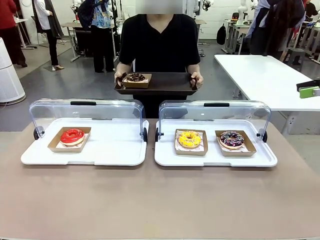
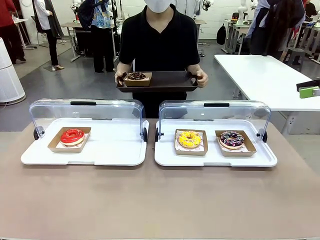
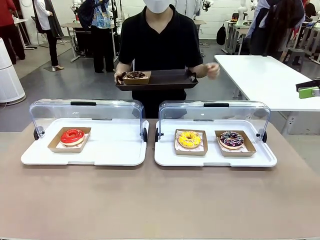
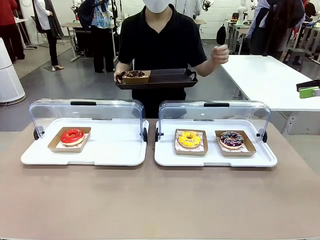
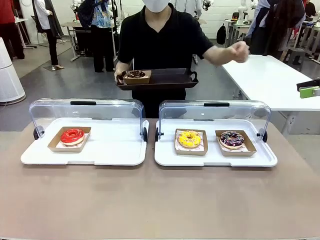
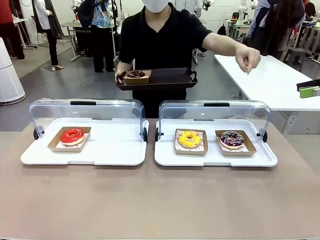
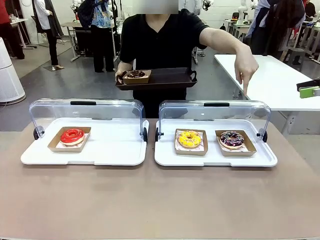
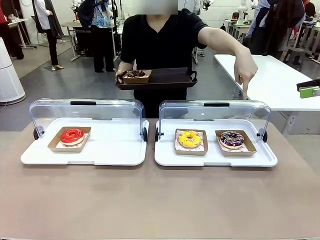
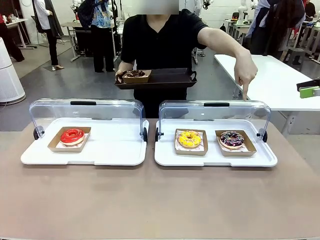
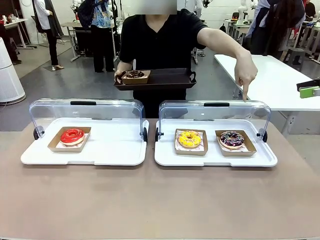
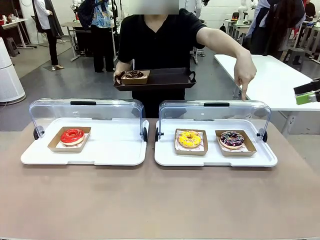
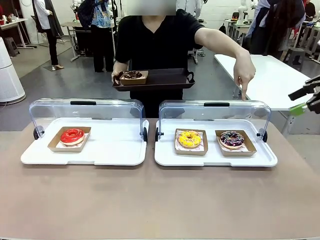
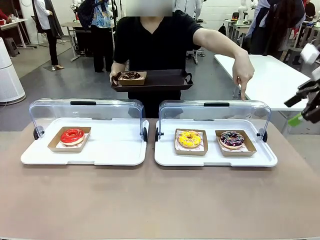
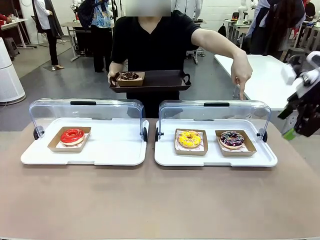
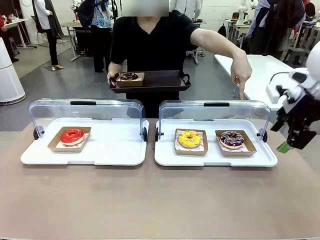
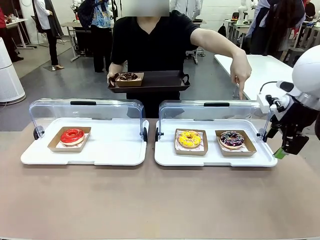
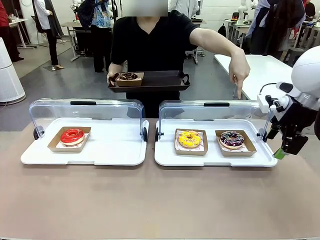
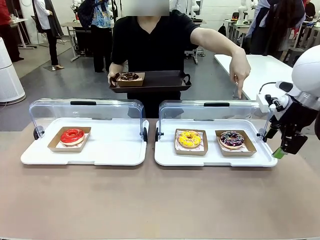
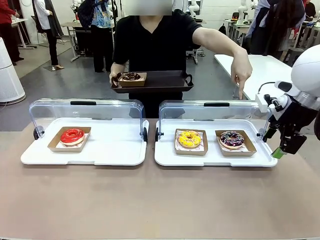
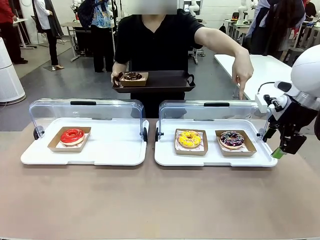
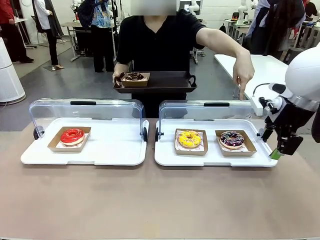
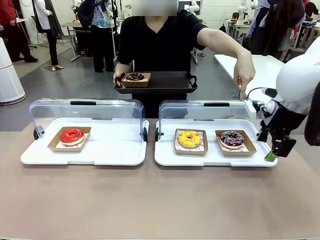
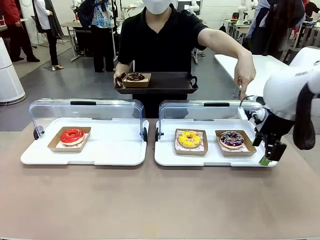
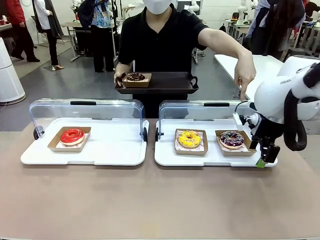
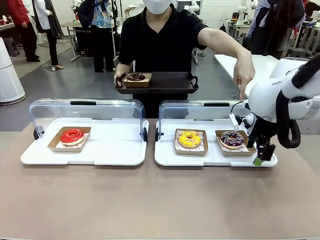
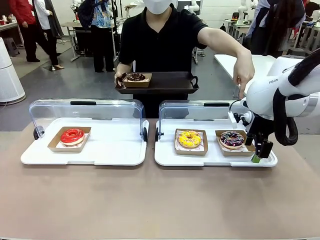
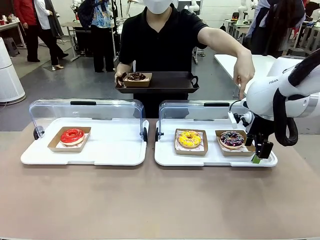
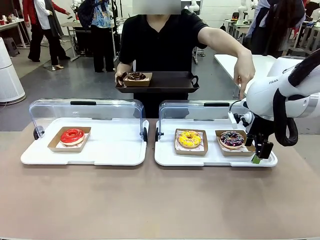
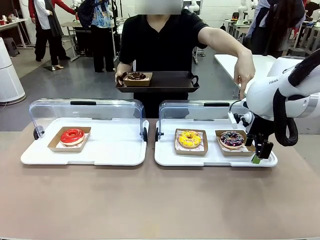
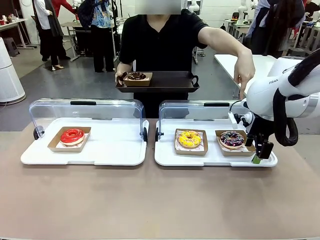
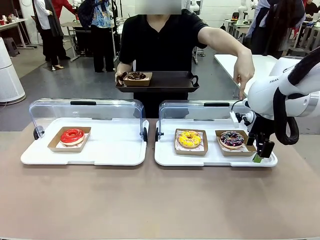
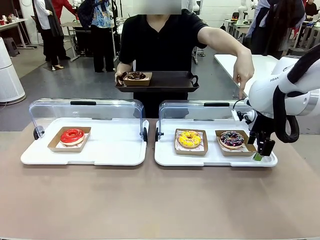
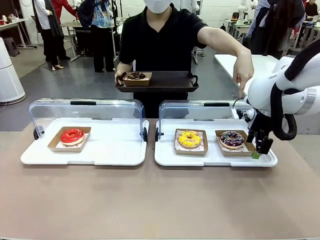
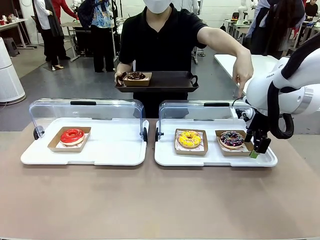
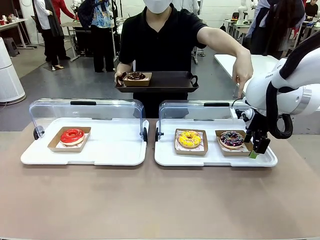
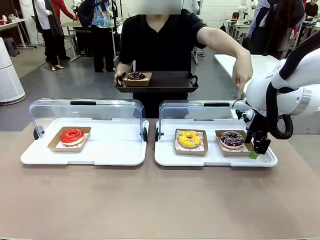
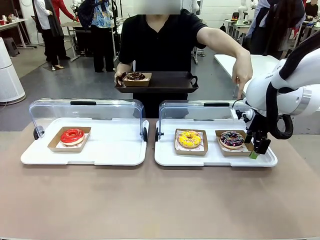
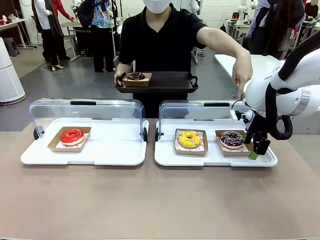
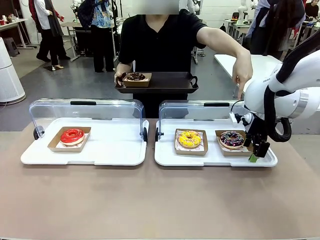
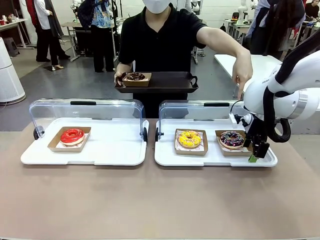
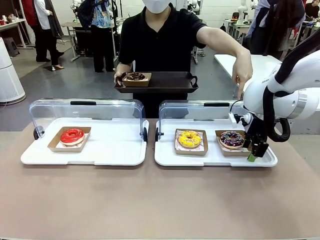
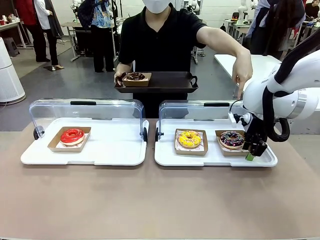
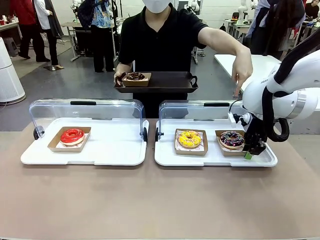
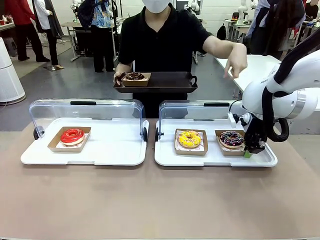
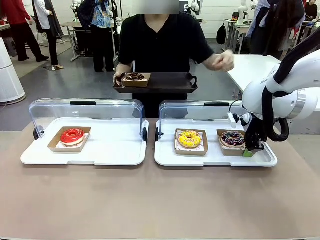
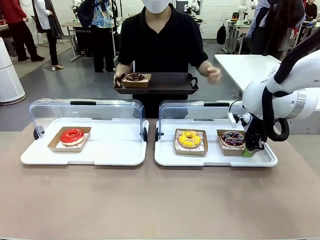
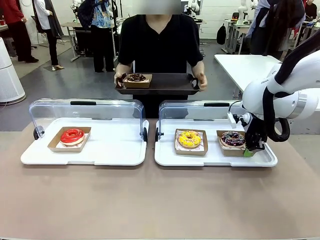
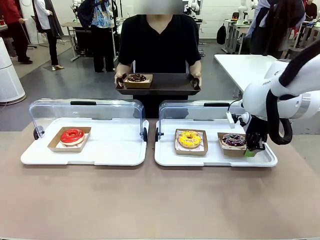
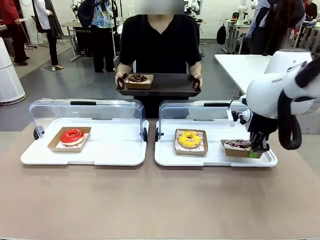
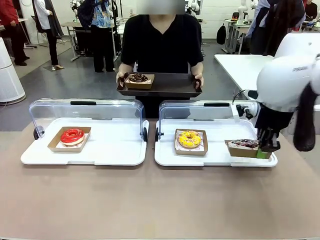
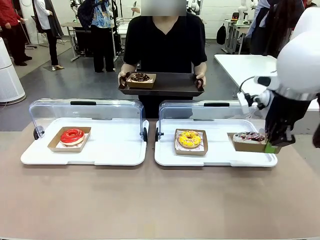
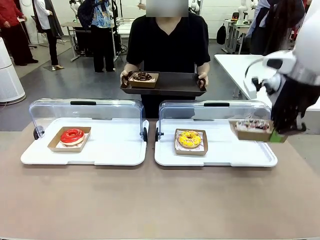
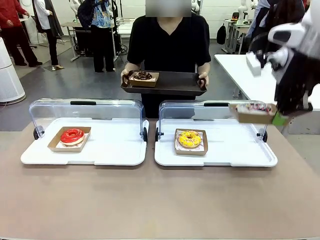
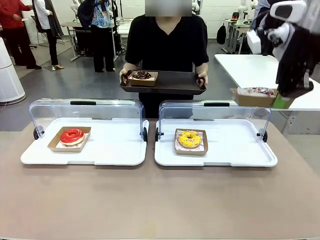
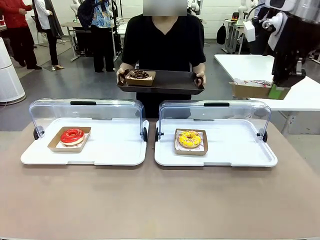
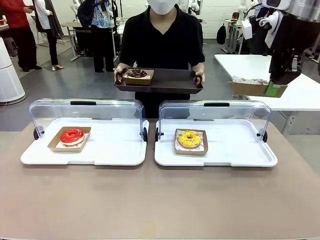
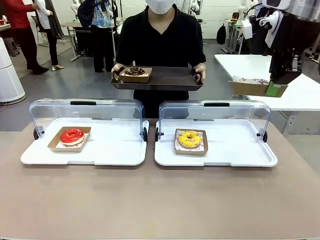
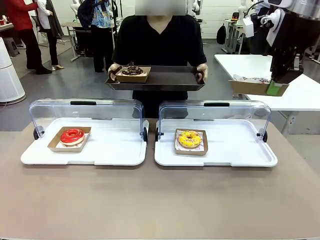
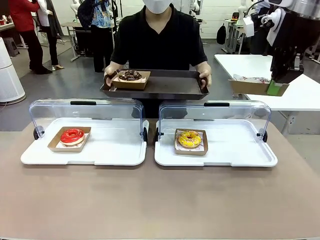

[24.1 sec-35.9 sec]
Task: Provide the desired donut to the person.
Robot: Pick up and lift the Paper togo box containing the Donut pointed at by the person.
Person: Lift the tray onto the Roll-Top Bakery Case.

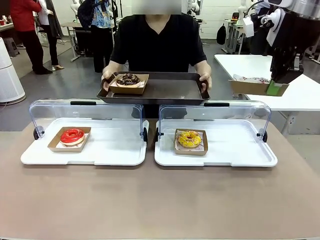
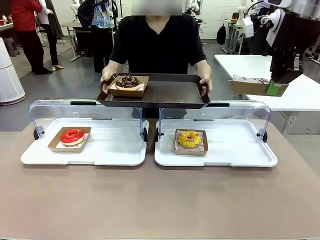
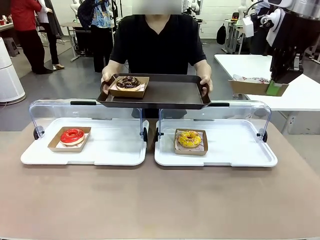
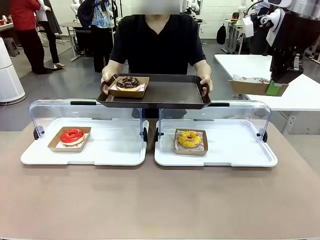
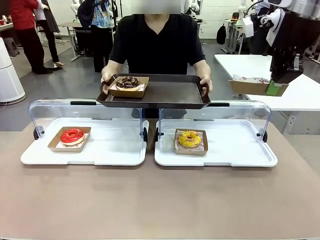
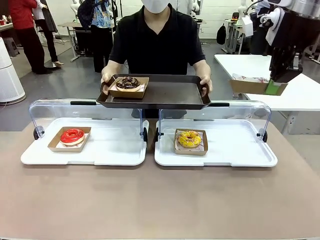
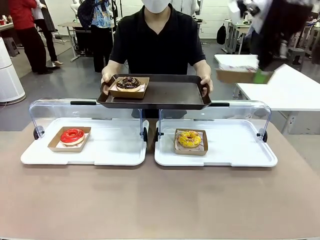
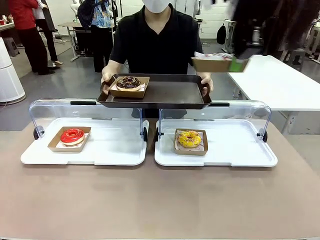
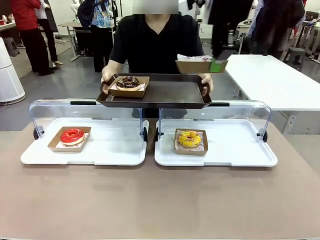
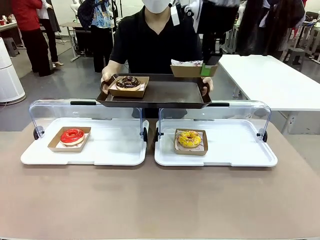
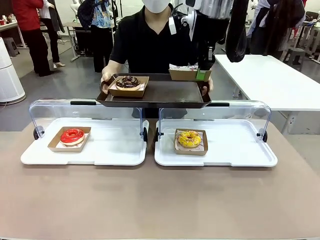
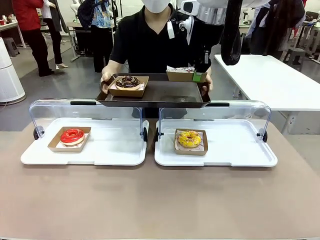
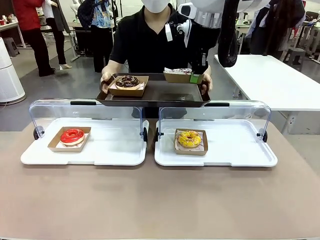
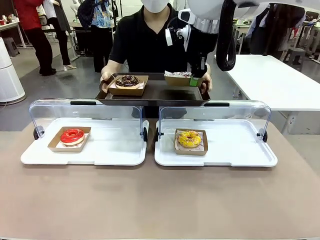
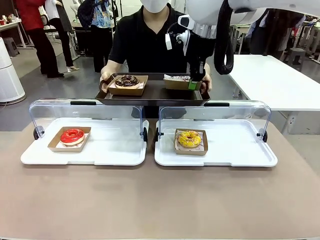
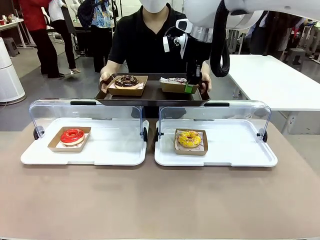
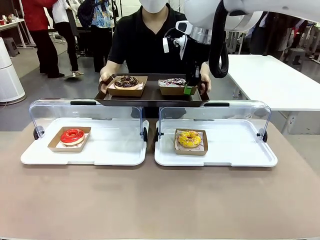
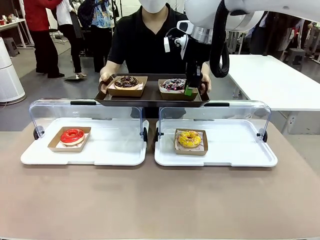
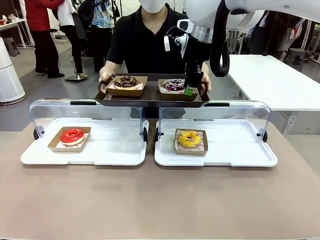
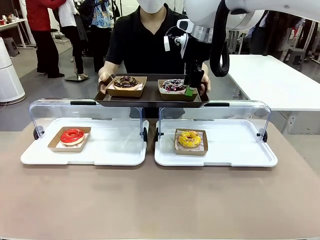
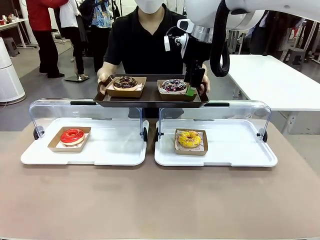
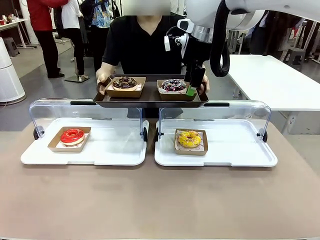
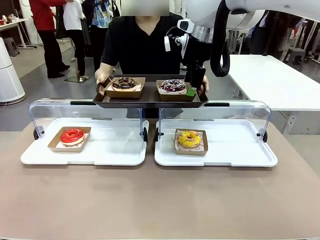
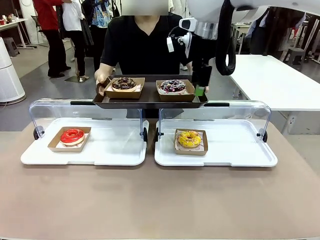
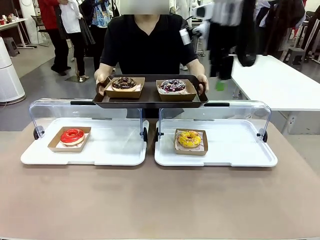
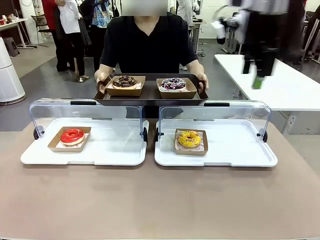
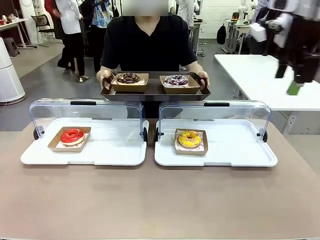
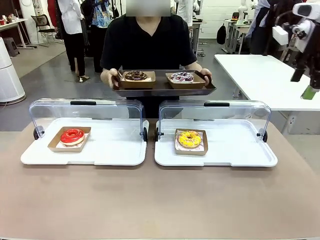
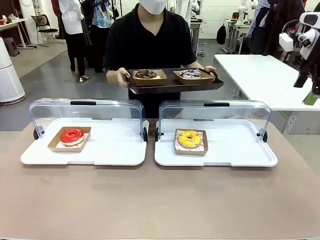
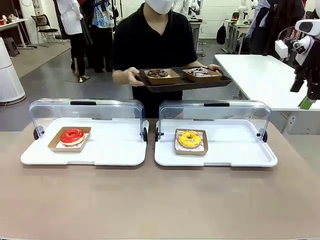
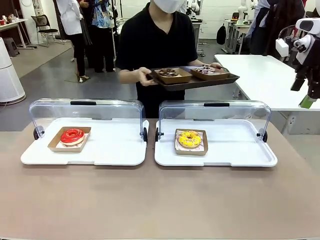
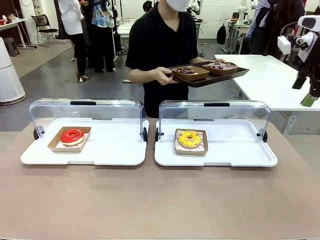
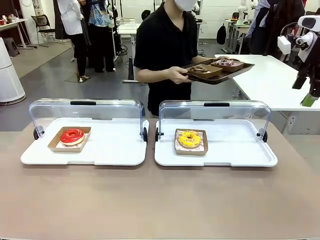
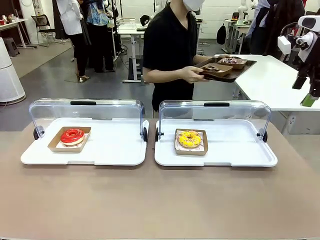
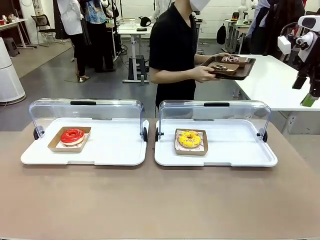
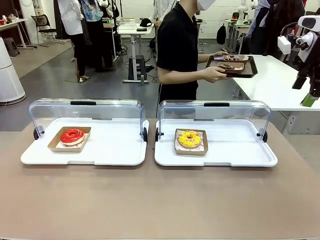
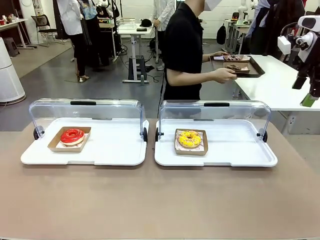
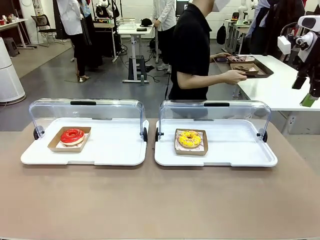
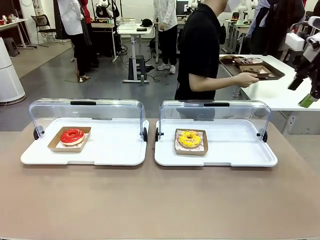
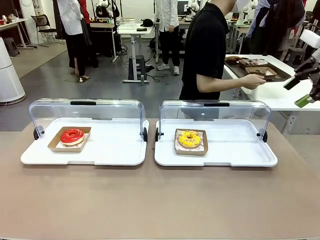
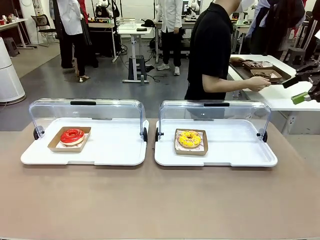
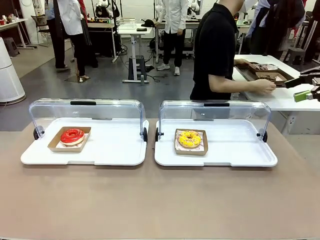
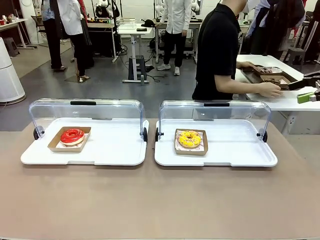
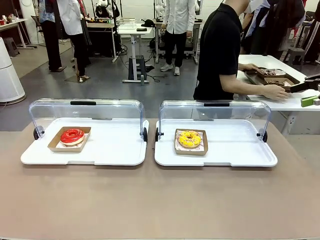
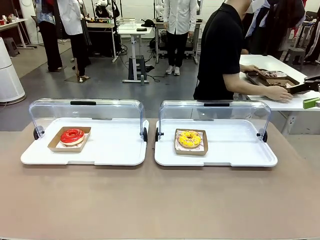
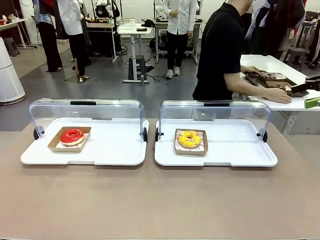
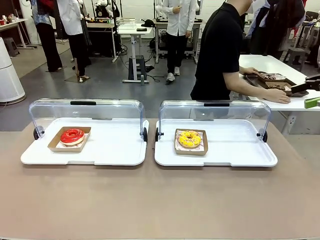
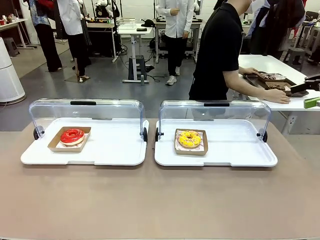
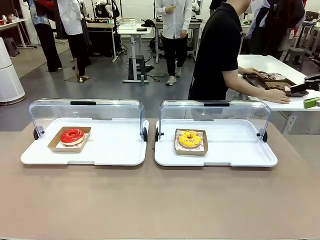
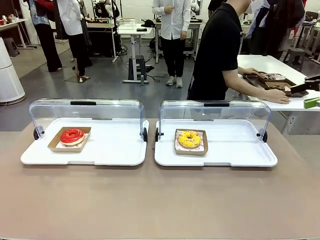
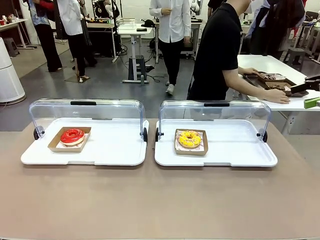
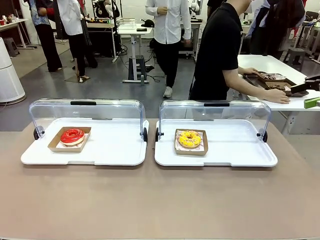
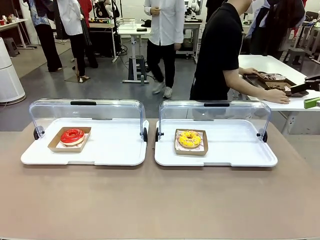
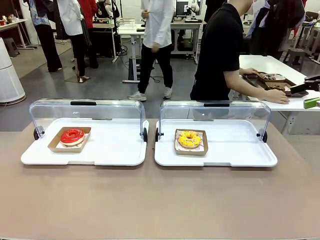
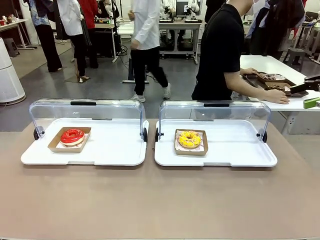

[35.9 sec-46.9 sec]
Robot: Place the picked Paper togo box onto the Handle tray extended by the person.
Person: Place the tray in the middle of the human table.
